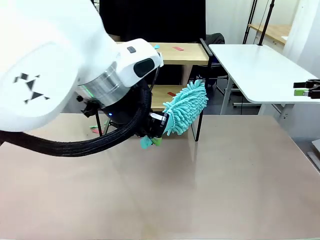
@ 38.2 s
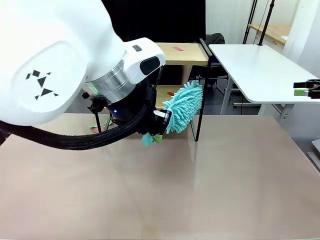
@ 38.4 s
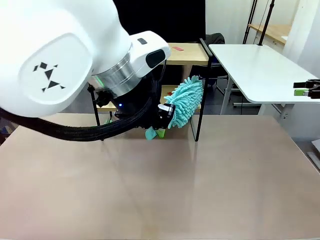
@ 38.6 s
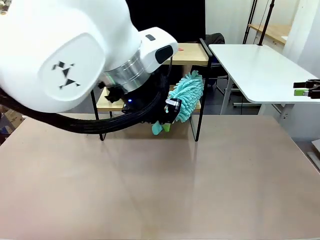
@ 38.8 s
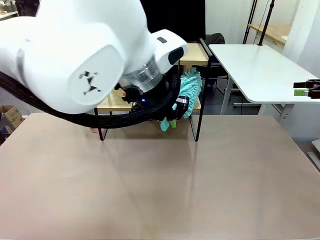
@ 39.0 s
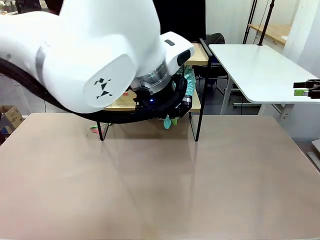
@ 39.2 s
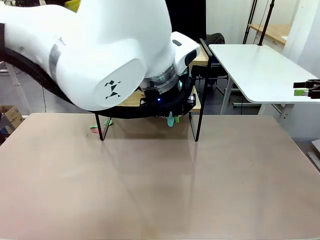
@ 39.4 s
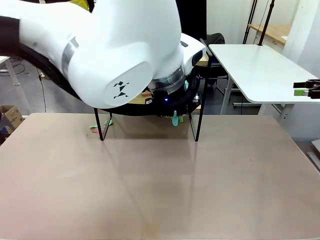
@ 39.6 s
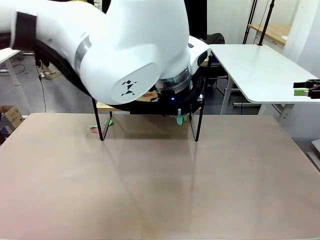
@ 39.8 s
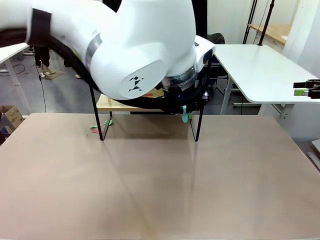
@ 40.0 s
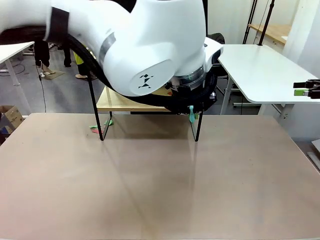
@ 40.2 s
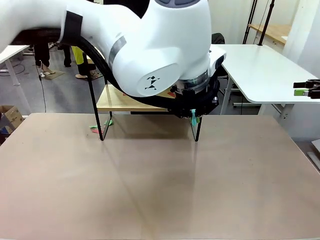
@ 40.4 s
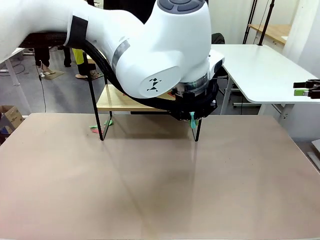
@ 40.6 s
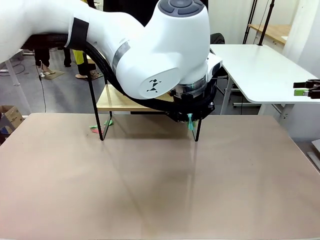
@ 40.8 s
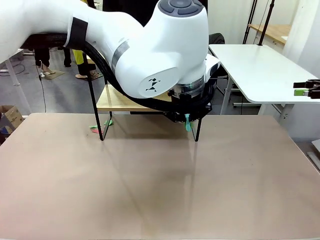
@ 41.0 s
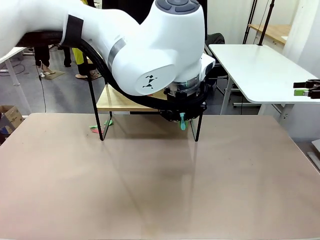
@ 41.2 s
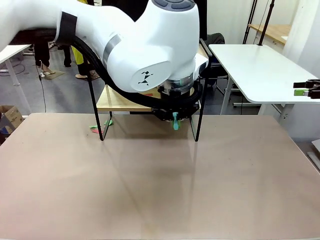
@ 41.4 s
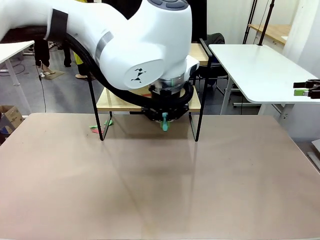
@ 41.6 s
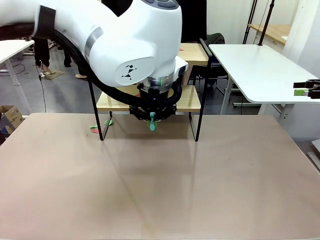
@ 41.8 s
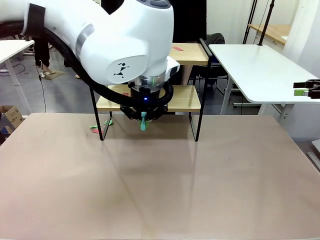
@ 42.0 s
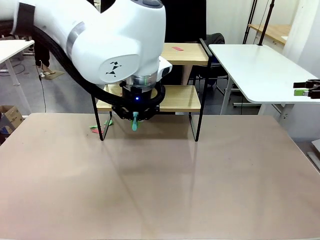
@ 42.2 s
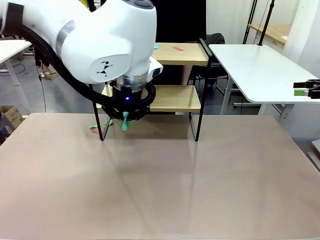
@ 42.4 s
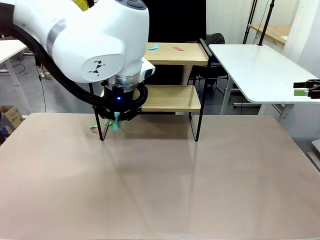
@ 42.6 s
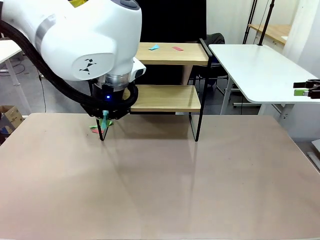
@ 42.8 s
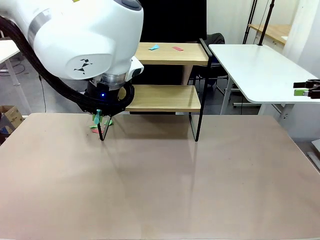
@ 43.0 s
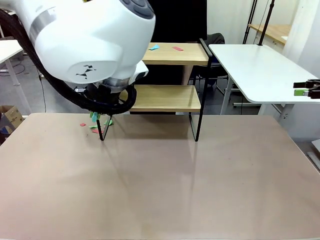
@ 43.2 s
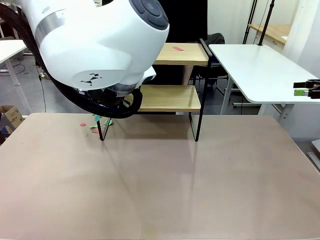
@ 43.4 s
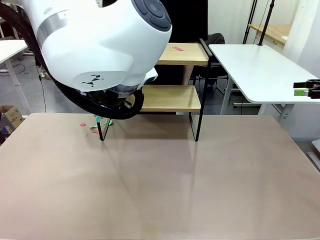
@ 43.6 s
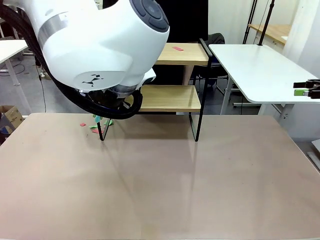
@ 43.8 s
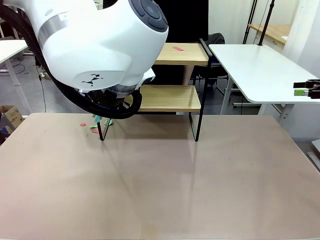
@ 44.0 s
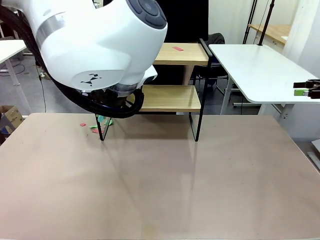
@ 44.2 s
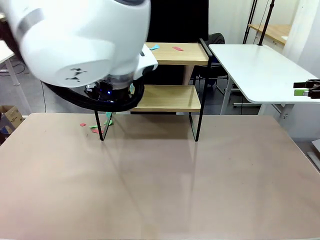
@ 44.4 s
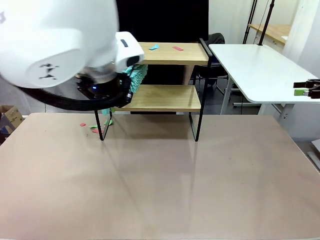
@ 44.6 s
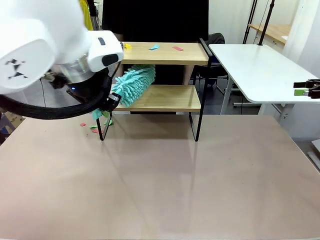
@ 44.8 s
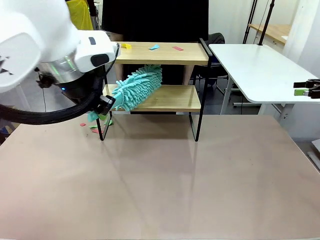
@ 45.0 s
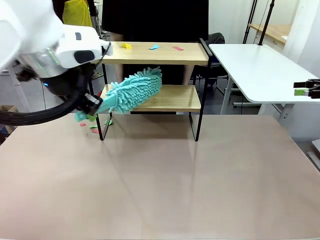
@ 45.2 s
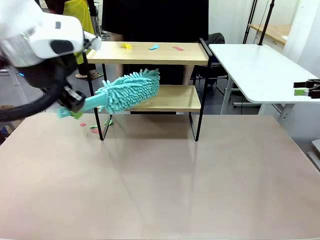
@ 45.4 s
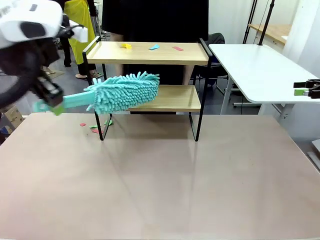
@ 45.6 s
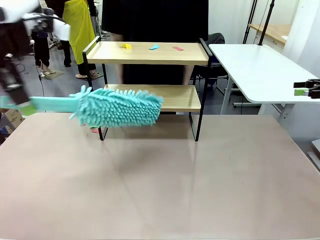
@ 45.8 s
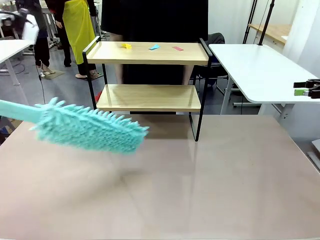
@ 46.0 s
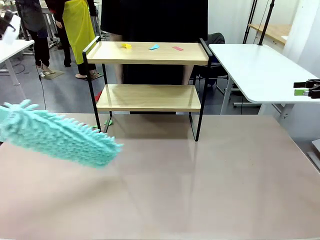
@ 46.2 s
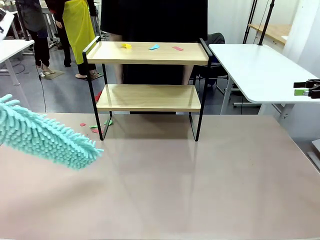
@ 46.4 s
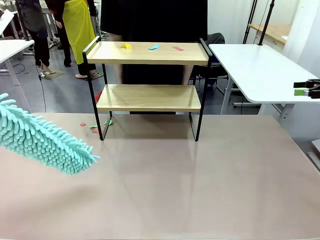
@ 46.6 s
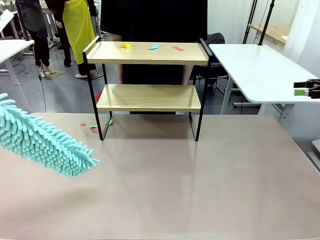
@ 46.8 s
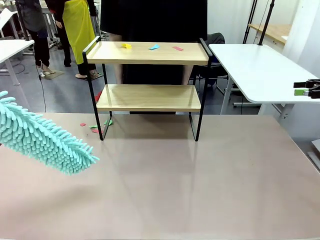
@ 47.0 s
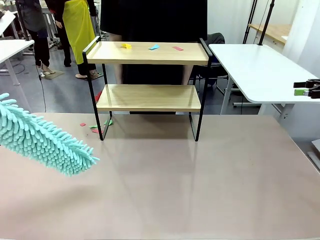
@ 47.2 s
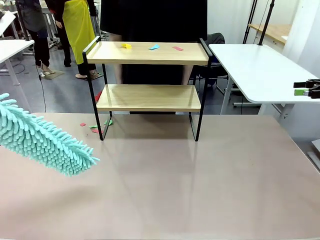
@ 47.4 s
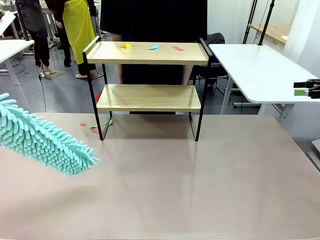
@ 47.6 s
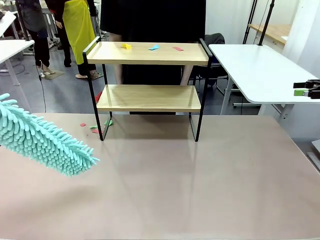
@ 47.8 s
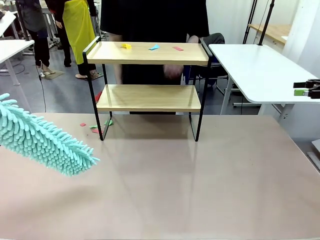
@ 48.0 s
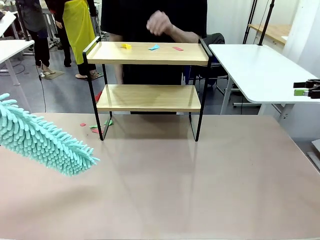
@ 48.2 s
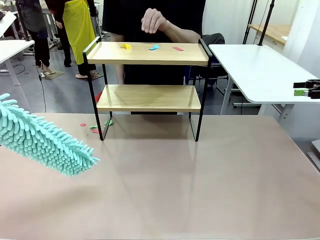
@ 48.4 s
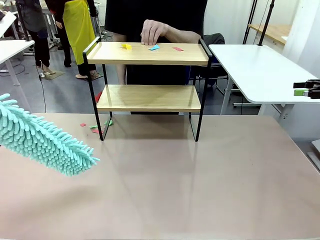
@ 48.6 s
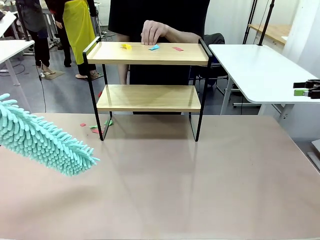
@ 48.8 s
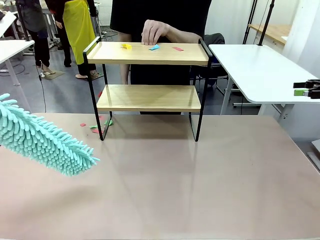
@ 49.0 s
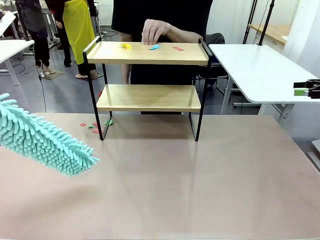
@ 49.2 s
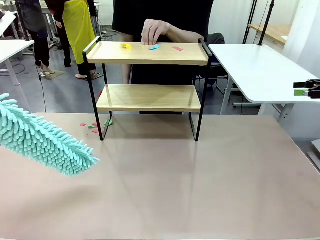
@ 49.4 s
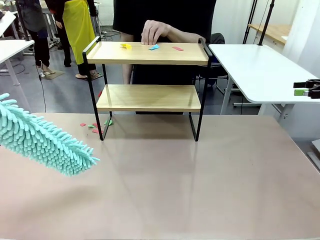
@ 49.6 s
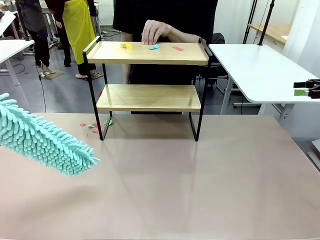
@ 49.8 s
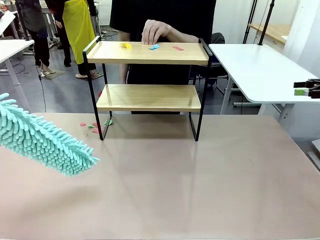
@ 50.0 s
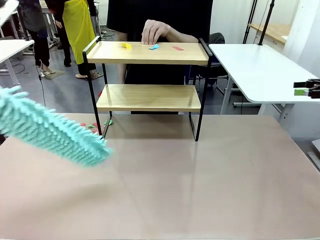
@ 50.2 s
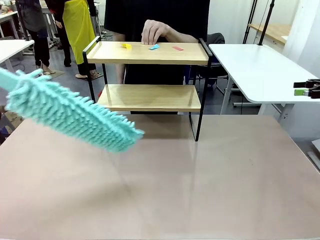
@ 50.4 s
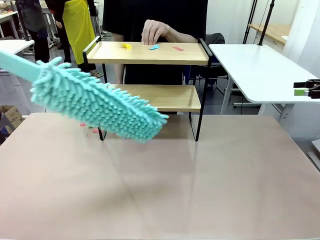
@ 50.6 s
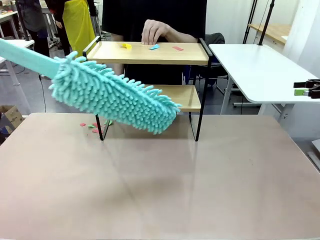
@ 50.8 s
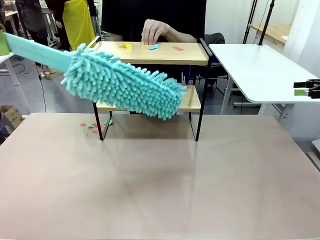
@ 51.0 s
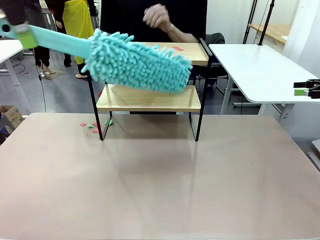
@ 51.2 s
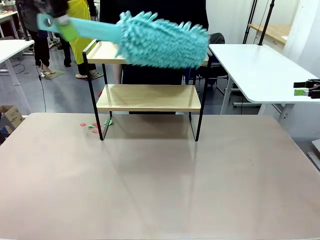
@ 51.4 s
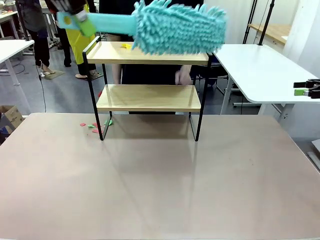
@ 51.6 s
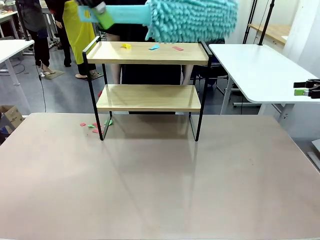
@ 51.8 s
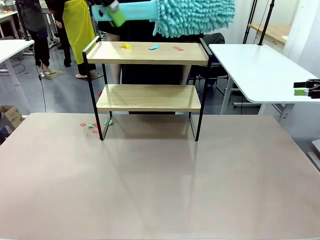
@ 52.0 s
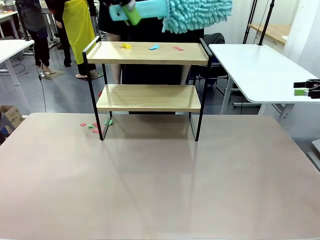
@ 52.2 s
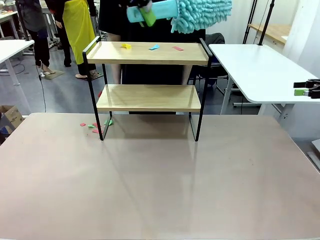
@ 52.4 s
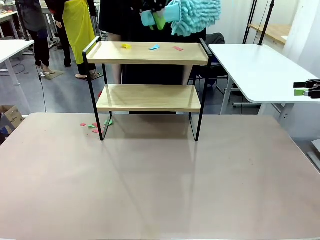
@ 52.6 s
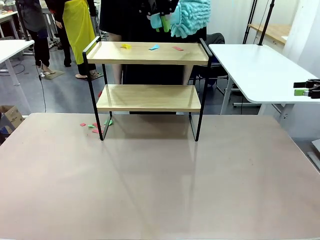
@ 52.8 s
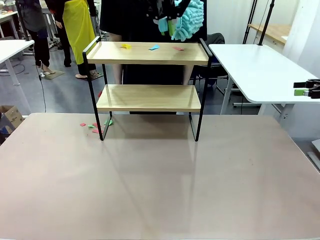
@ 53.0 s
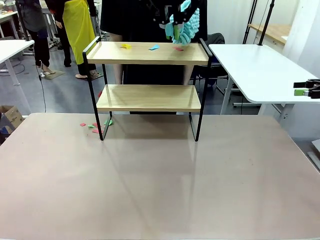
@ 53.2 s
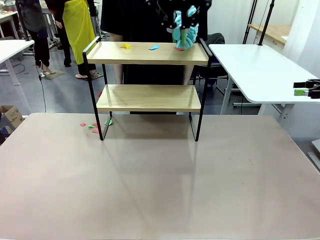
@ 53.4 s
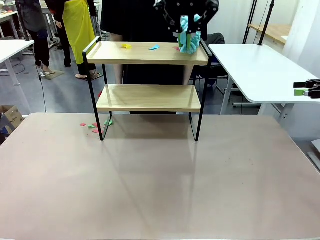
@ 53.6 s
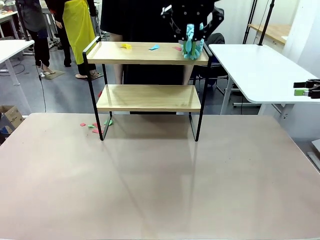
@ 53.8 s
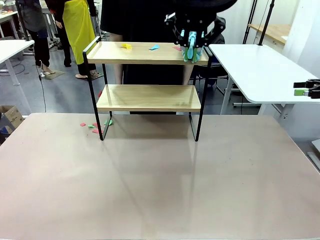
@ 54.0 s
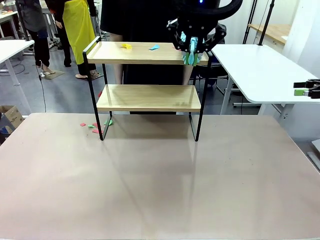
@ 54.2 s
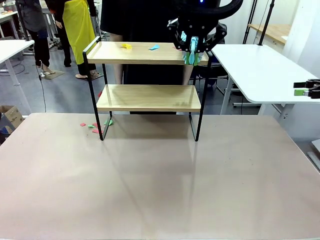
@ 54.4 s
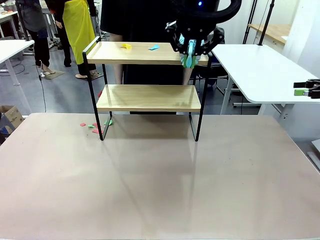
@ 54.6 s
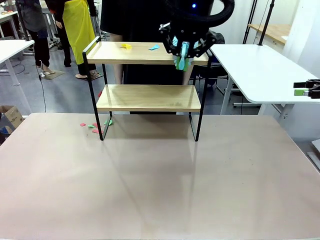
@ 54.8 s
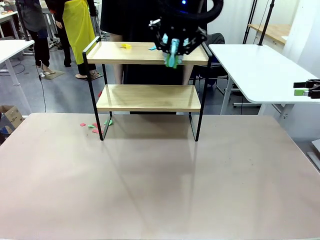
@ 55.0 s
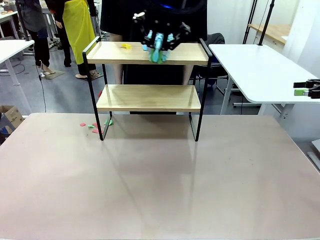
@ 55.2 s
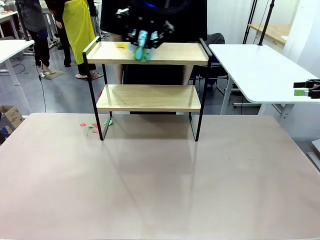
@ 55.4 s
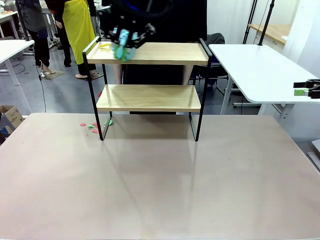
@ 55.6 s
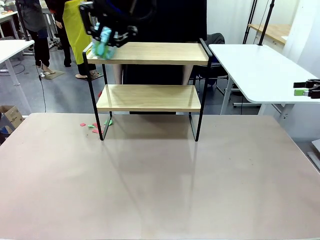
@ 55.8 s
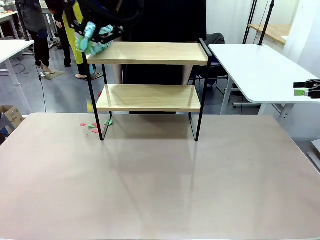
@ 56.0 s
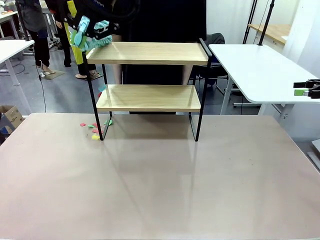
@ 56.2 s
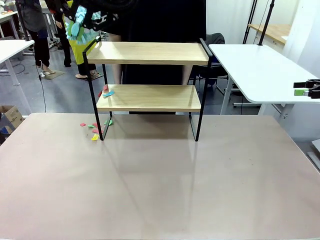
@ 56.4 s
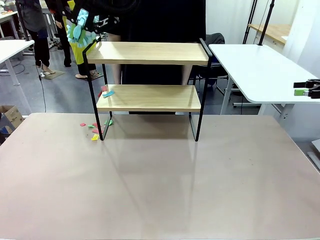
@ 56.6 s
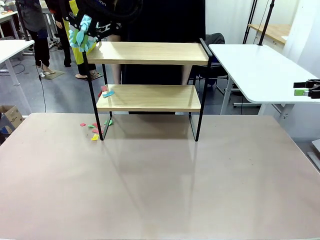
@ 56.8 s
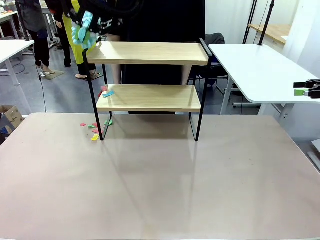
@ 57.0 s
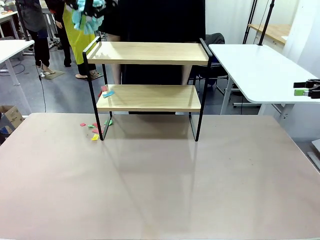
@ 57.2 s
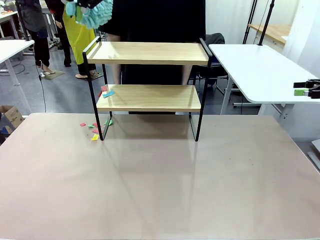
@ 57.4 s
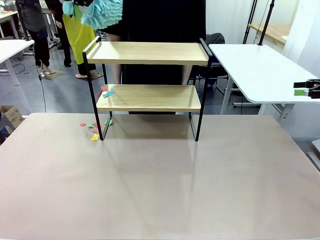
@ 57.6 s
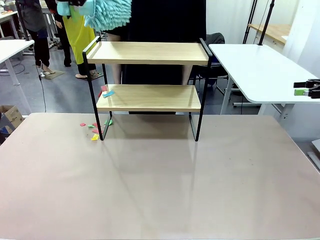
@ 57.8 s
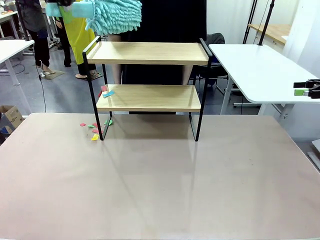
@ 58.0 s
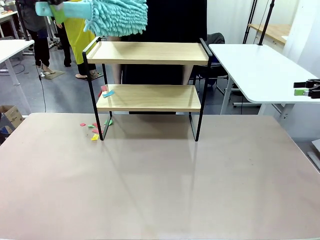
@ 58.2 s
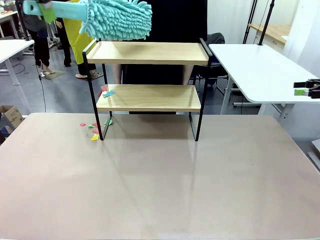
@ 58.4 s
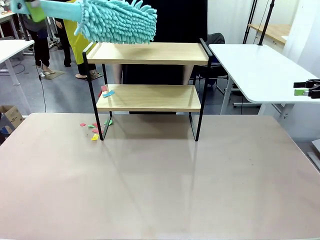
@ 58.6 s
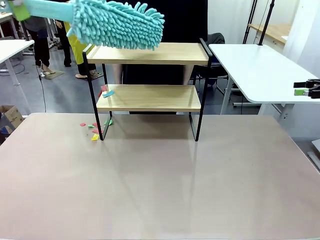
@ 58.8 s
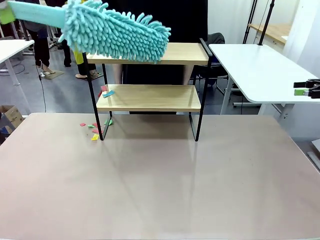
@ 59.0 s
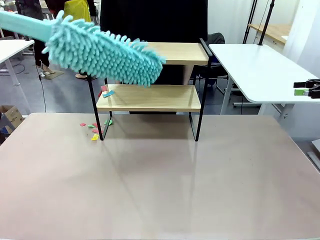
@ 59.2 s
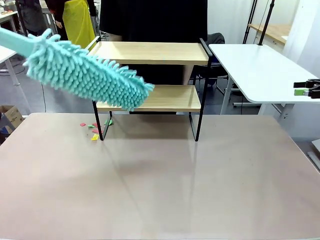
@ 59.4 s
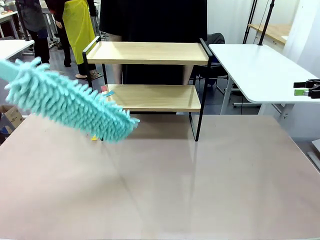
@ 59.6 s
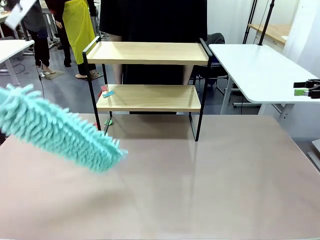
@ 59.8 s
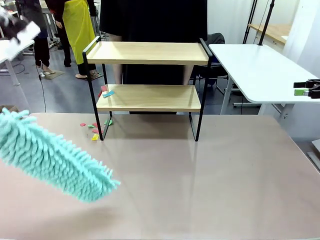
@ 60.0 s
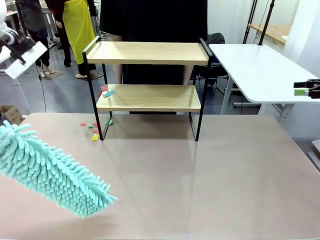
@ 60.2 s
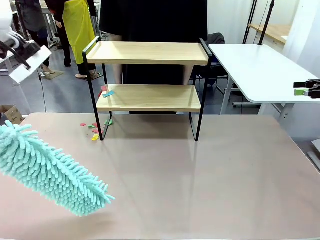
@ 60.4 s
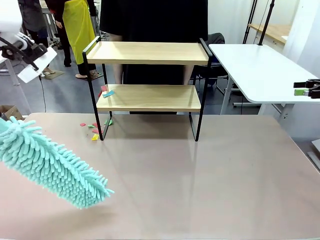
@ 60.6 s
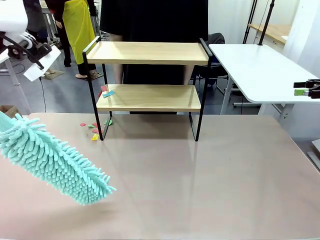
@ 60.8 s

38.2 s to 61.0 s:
Task: Clean the shelf.
Robot: Clean the specific section of the Shelf indicated by the human with the Duster.
Person: Point a remaining section of the Shelf.
